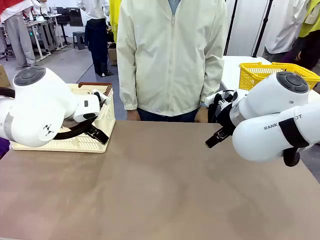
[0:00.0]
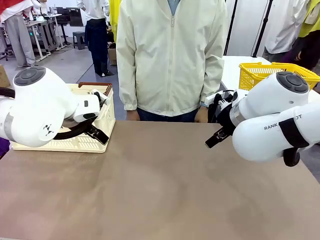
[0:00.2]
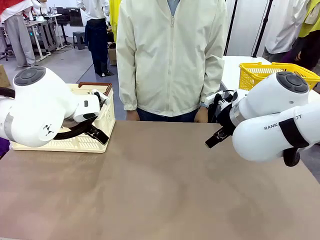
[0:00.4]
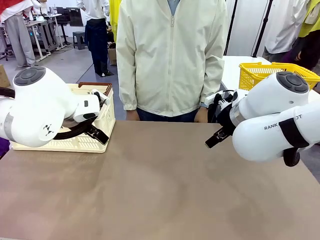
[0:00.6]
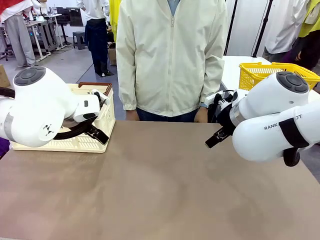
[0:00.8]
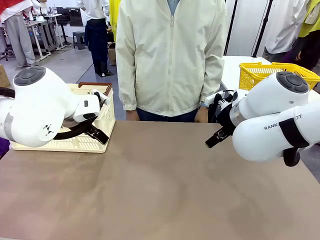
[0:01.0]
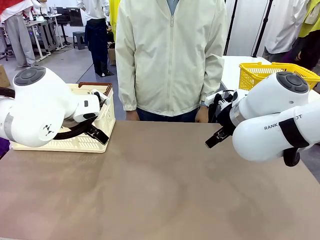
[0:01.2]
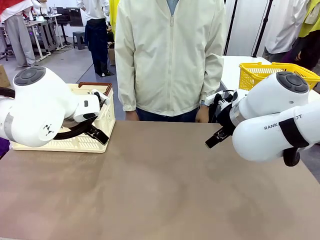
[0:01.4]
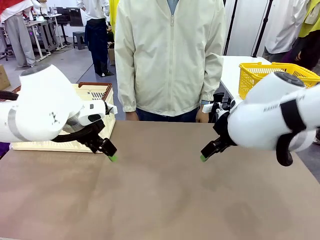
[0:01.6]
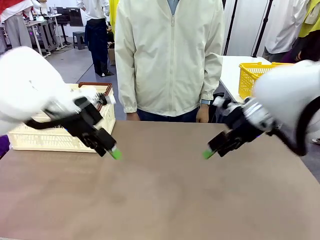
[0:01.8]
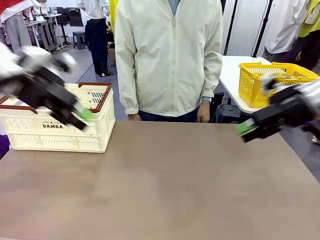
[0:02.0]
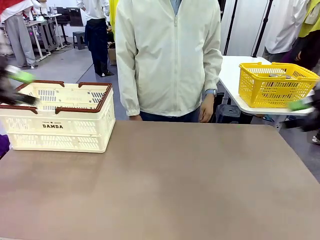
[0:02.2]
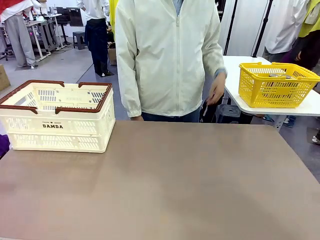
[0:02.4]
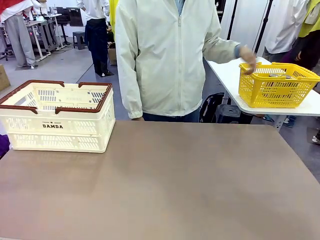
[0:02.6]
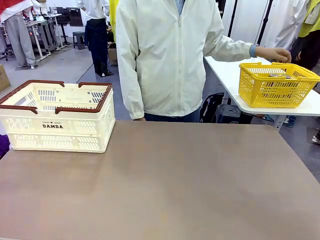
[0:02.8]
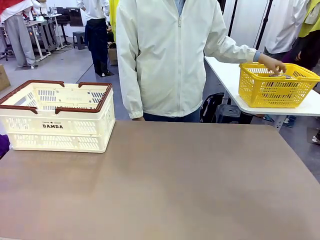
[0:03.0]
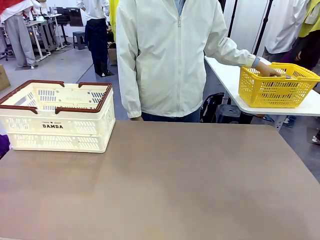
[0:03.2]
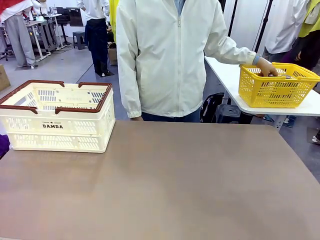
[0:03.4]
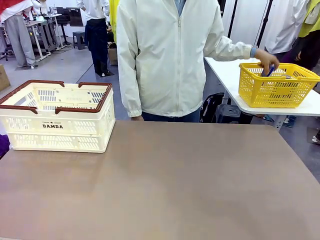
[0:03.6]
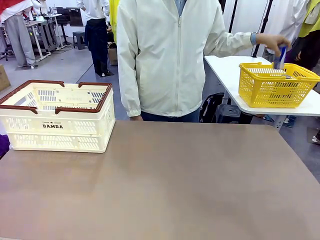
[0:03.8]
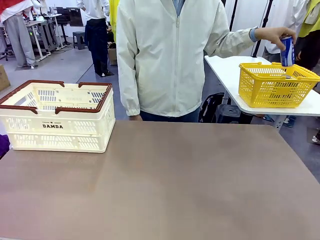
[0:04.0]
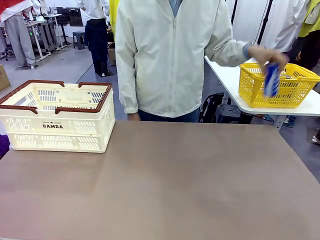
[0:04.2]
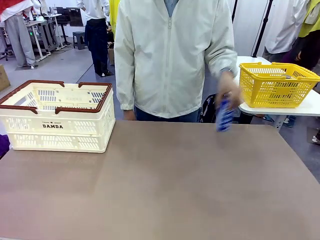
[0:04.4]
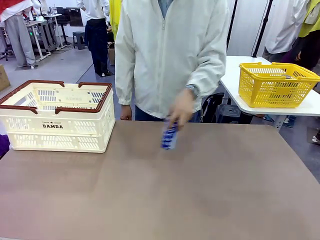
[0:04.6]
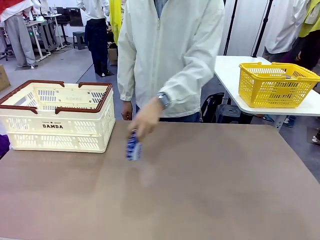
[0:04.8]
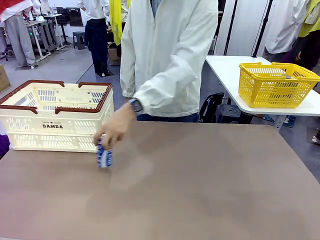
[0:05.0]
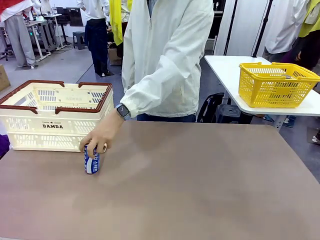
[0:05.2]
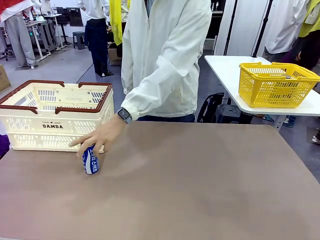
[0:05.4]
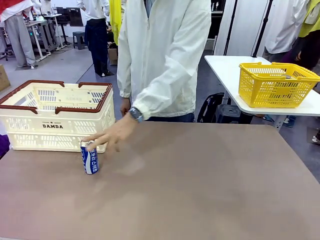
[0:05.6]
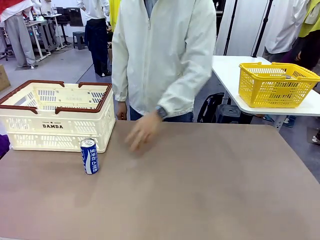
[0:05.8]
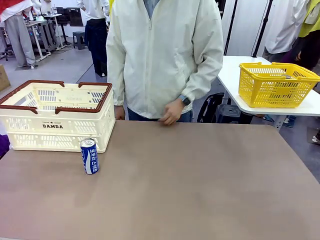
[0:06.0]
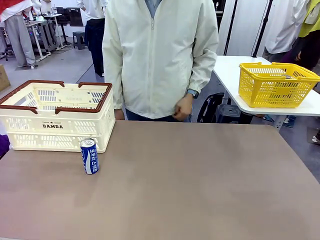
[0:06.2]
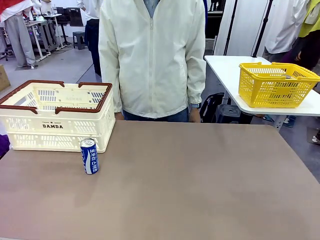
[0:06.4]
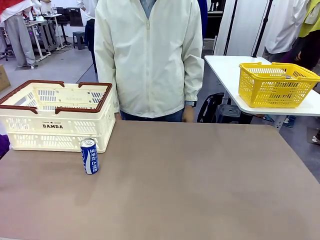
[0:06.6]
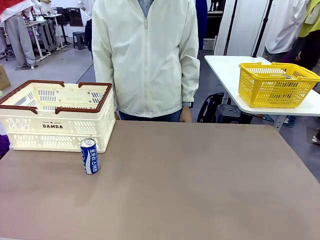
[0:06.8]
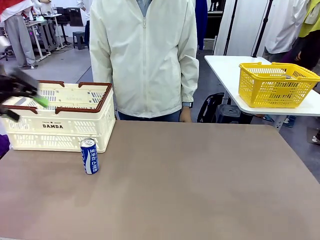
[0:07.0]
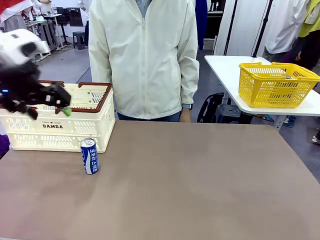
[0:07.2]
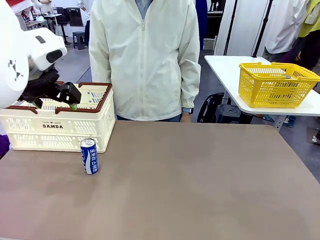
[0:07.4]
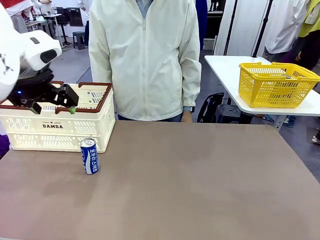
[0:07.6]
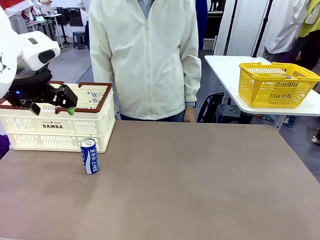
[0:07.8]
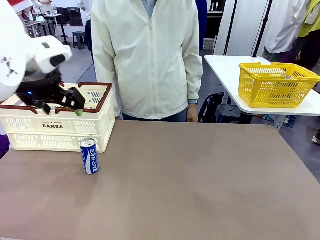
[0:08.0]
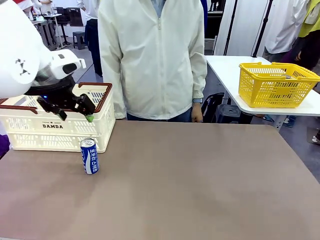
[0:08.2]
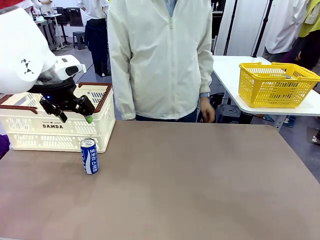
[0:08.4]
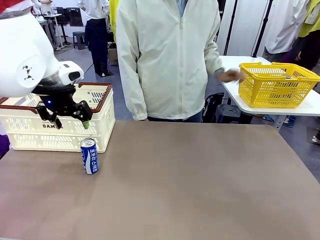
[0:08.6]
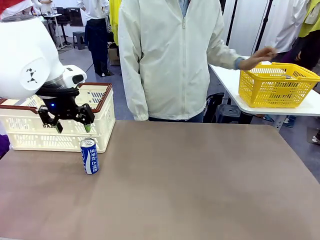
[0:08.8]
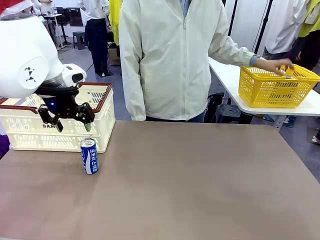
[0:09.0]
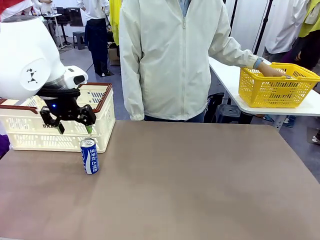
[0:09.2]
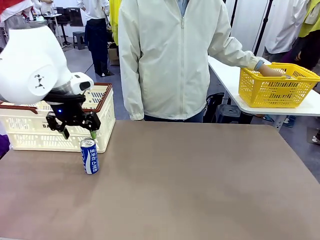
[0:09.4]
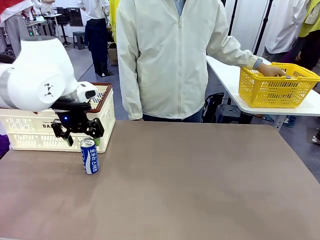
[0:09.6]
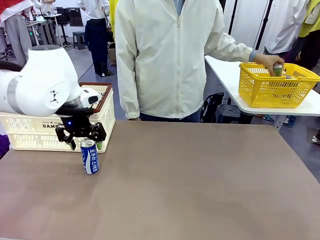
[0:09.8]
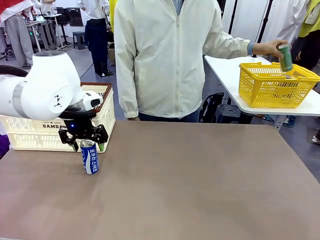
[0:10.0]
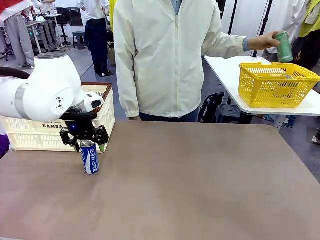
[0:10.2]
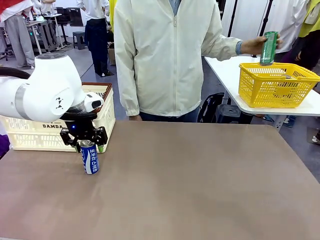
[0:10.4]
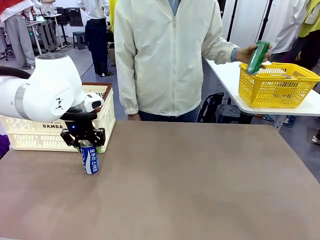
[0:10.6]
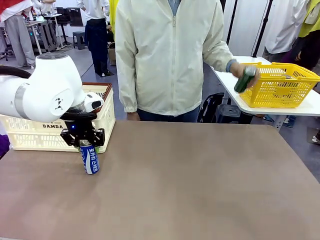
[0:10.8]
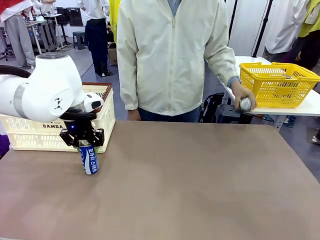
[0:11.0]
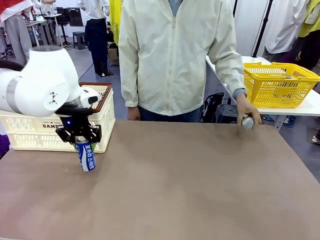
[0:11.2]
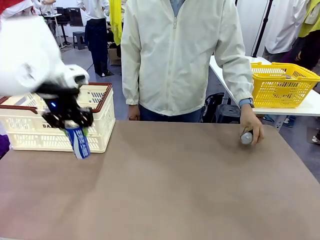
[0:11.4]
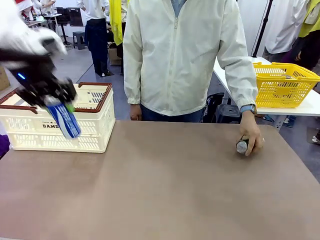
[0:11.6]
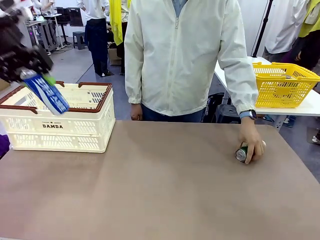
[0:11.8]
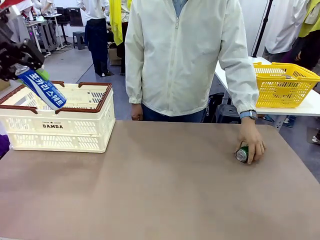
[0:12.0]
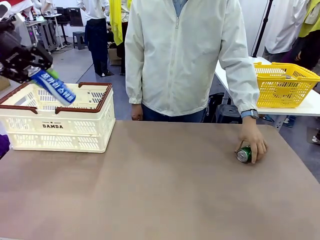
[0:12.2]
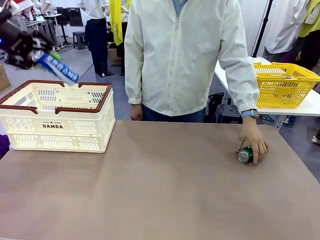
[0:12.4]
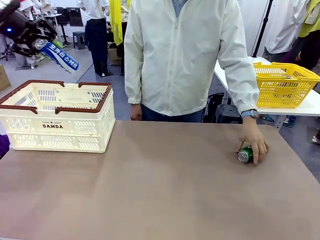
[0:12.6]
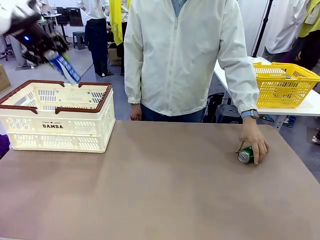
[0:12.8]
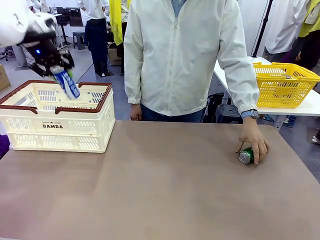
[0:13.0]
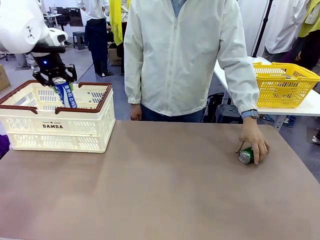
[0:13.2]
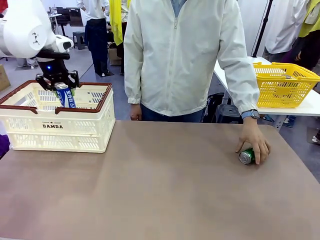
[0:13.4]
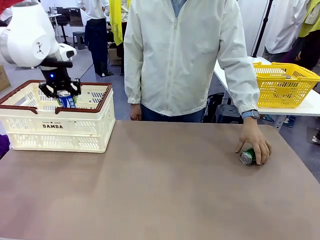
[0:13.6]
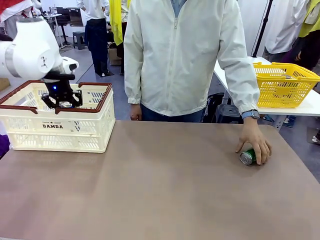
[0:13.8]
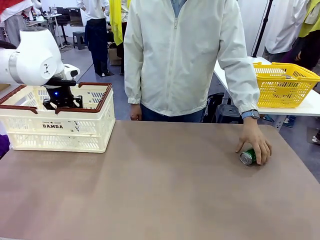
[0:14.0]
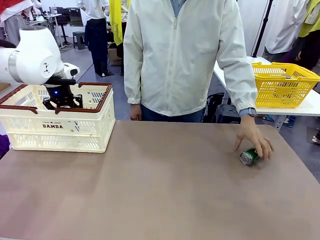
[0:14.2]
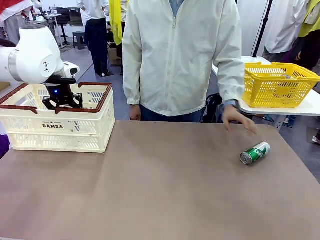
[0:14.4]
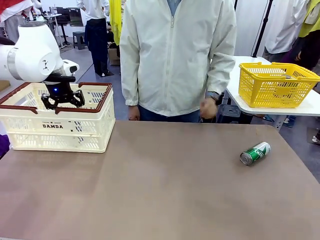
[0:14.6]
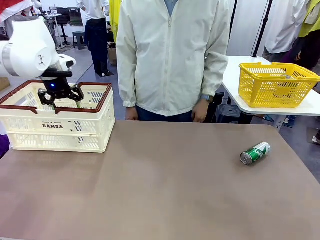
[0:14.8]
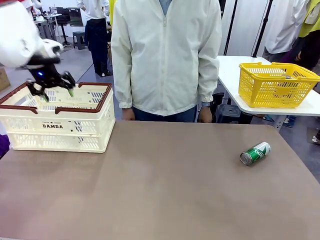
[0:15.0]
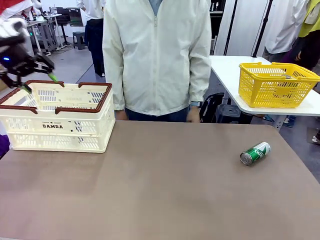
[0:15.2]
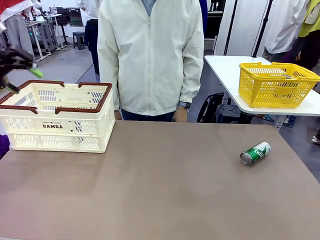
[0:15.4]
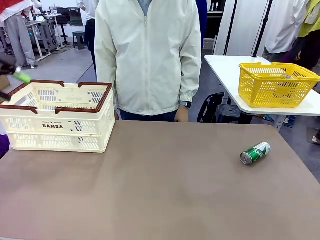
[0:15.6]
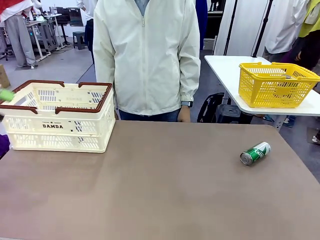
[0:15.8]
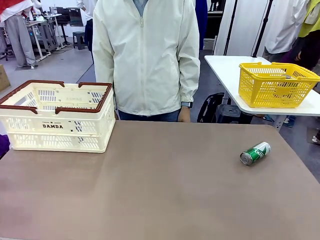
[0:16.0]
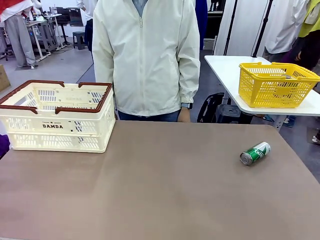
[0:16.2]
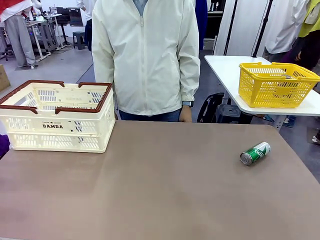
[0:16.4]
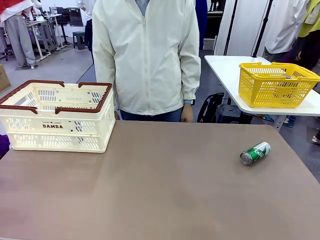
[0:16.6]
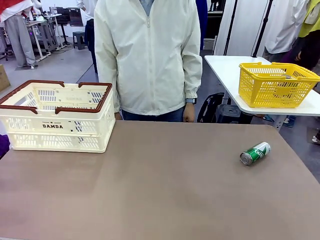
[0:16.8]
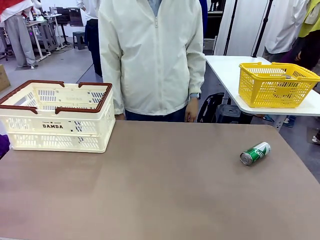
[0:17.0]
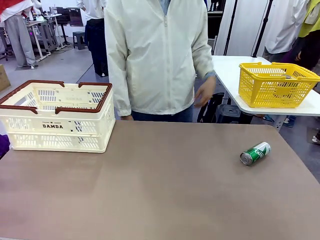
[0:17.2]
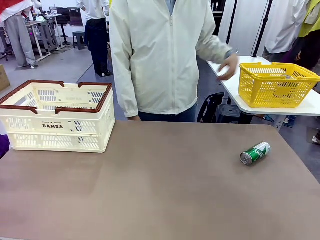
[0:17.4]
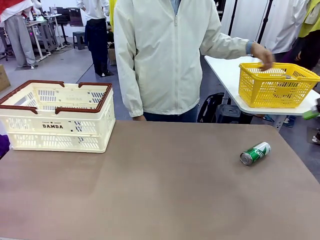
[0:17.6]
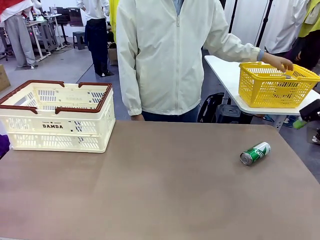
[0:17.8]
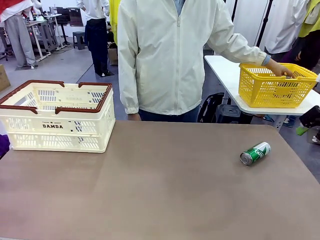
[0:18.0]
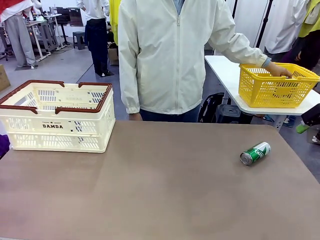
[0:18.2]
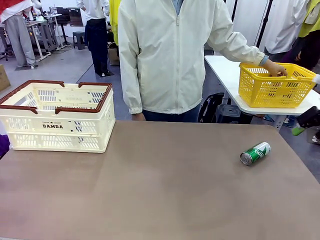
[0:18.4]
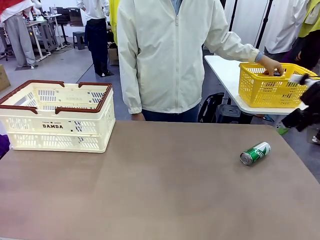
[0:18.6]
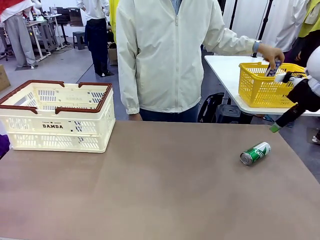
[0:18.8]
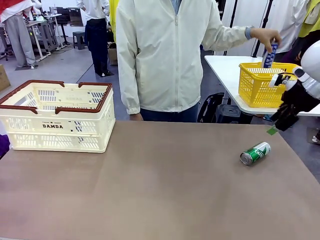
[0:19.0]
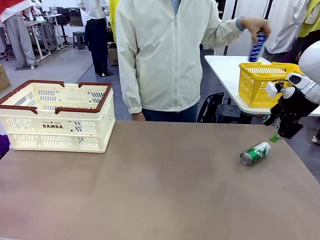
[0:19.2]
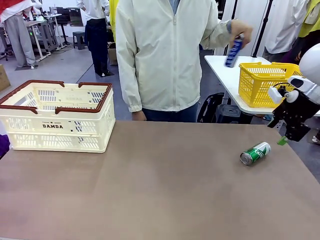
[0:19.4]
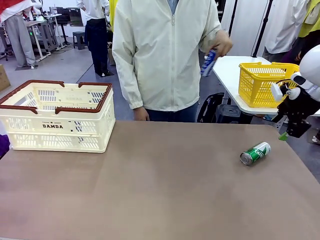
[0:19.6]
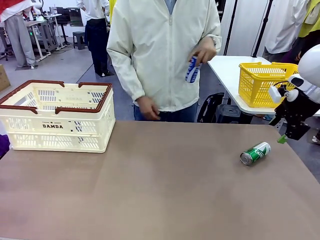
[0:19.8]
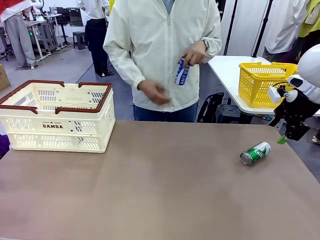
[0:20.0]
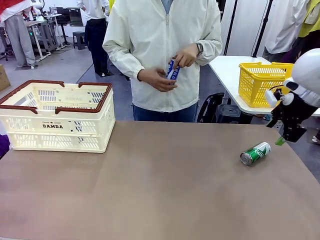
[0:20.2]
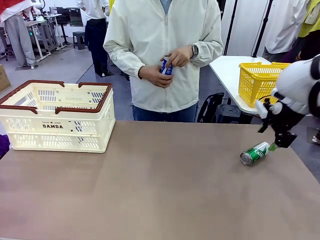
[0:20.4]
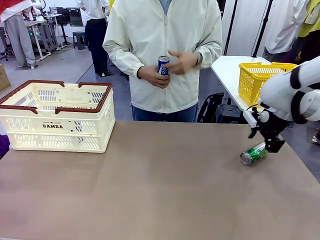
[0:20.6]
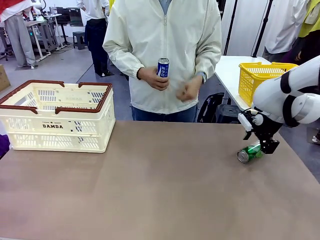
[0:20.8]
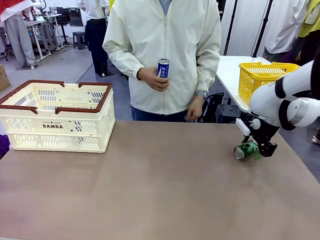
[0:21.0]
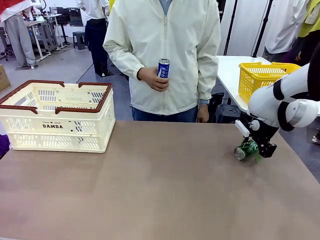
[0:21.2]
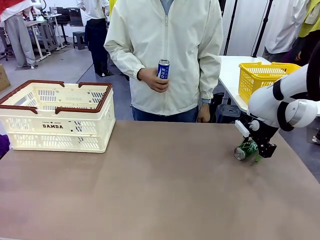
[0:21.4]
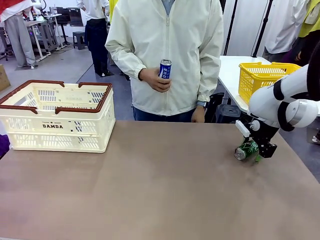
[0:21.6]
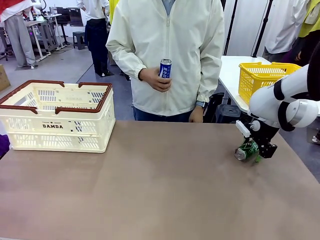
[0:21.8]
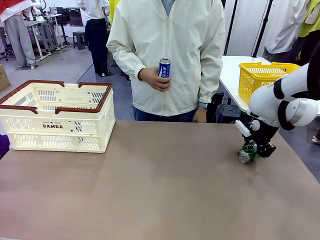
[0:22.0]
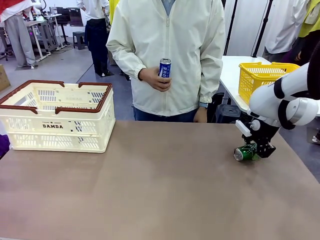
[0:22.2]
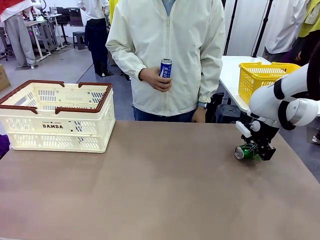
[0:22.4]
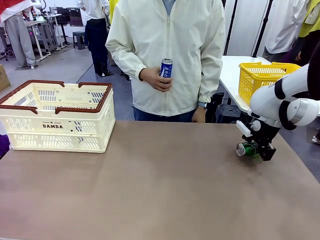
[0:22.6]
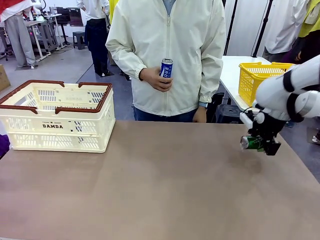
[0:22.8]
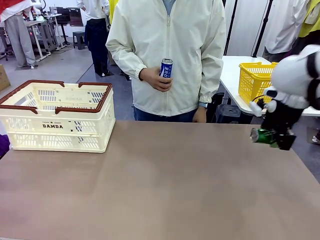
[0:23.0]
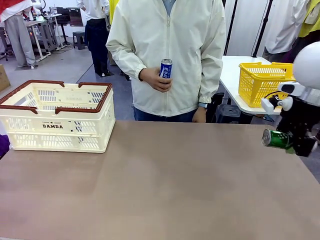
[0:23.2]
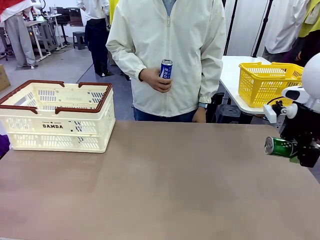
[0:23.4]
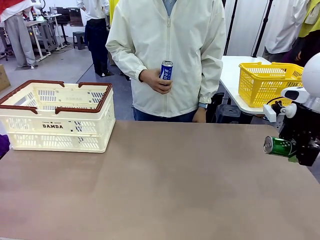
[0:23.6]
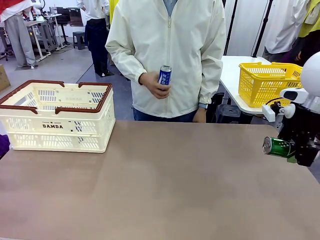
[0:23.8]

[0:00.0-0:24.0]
Task: Place the drinks into the Shopping basket.
Robot: Pick up one drink and place it into the Shopping basket.
